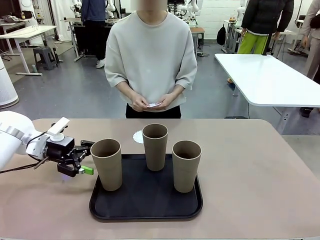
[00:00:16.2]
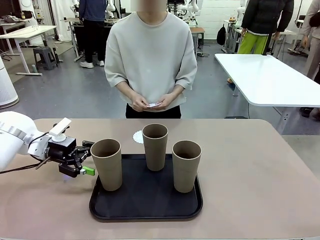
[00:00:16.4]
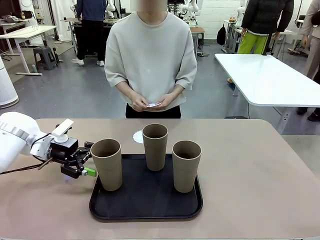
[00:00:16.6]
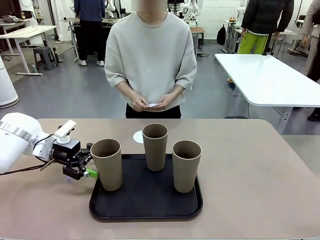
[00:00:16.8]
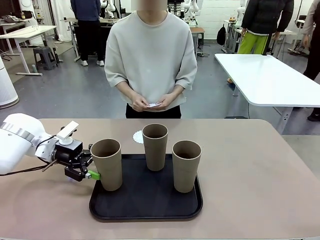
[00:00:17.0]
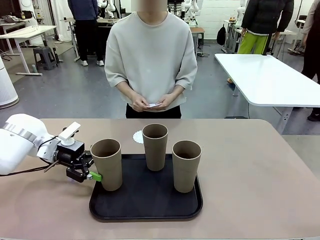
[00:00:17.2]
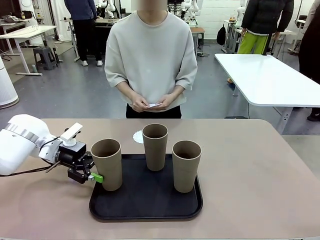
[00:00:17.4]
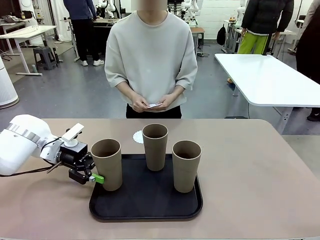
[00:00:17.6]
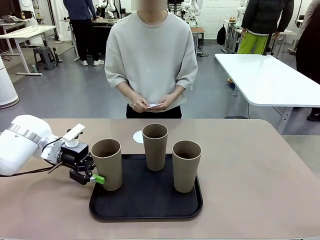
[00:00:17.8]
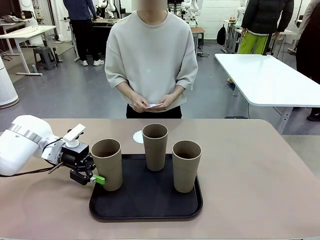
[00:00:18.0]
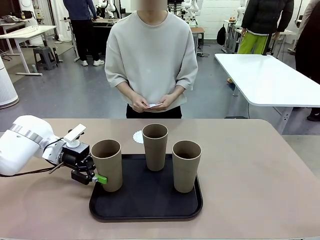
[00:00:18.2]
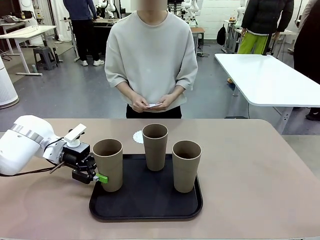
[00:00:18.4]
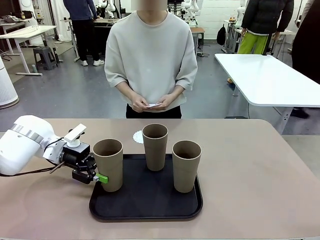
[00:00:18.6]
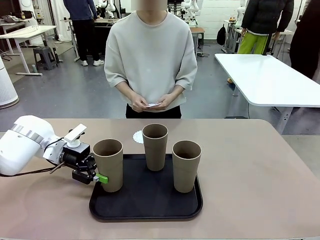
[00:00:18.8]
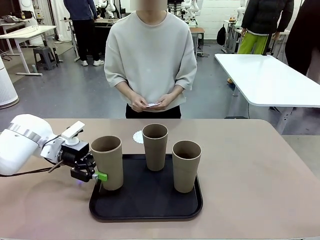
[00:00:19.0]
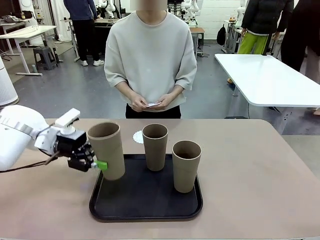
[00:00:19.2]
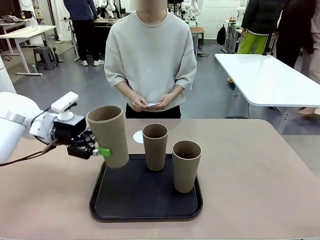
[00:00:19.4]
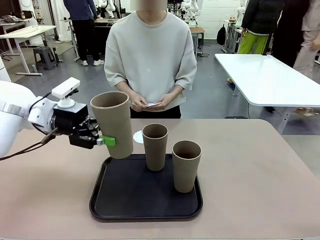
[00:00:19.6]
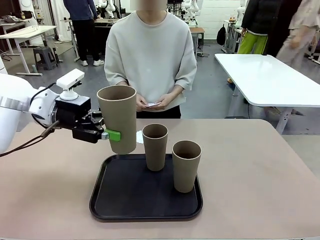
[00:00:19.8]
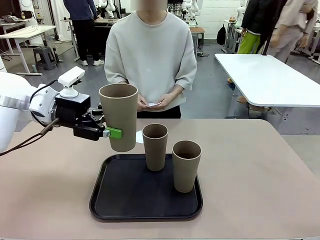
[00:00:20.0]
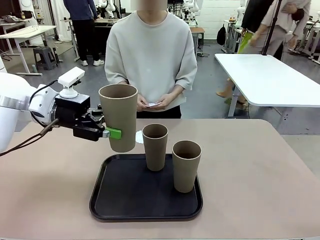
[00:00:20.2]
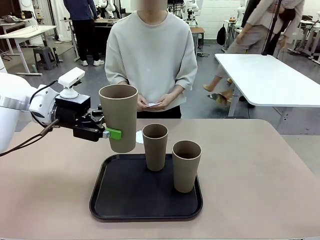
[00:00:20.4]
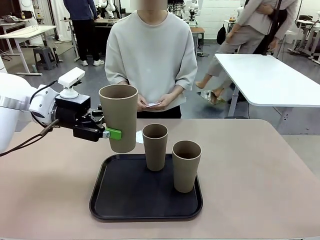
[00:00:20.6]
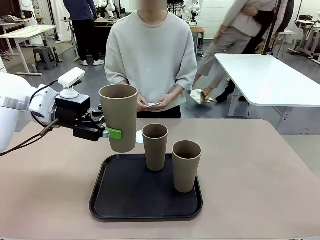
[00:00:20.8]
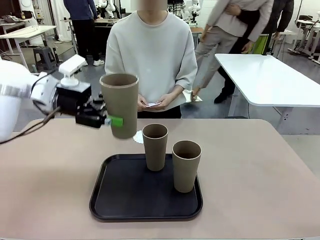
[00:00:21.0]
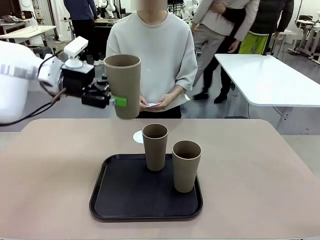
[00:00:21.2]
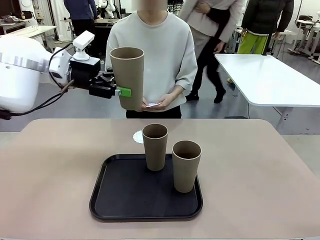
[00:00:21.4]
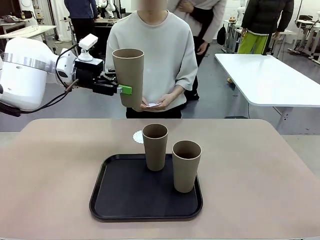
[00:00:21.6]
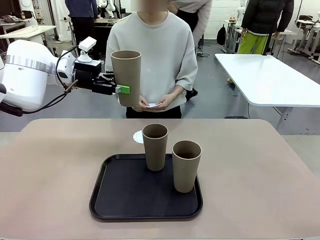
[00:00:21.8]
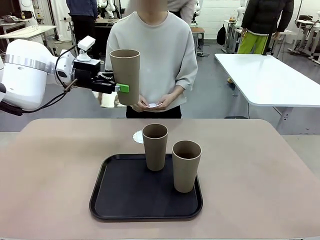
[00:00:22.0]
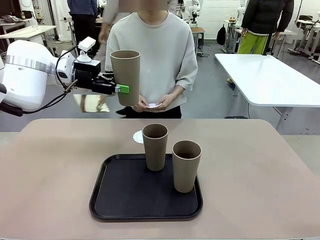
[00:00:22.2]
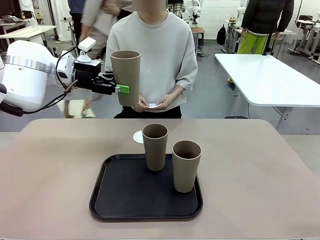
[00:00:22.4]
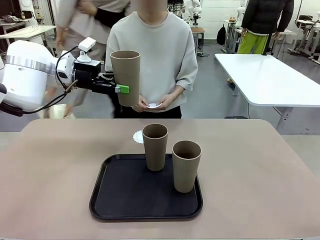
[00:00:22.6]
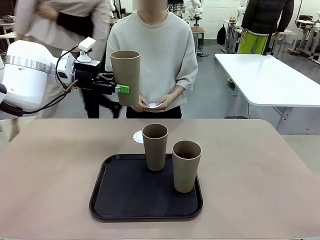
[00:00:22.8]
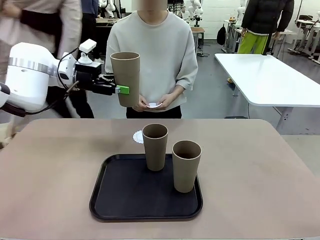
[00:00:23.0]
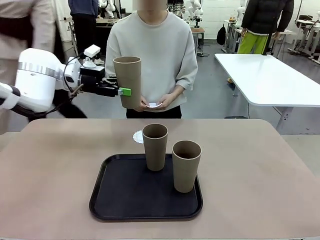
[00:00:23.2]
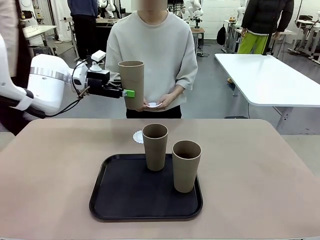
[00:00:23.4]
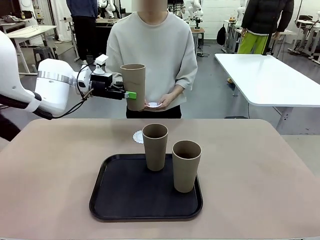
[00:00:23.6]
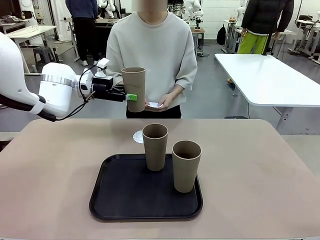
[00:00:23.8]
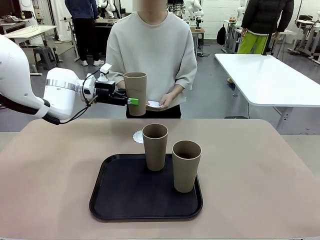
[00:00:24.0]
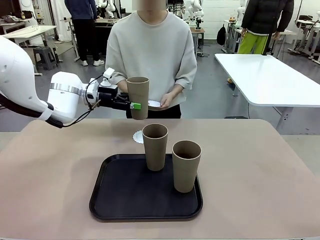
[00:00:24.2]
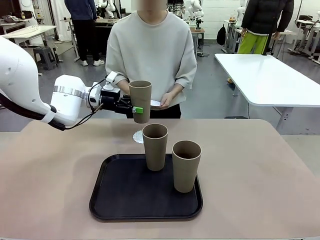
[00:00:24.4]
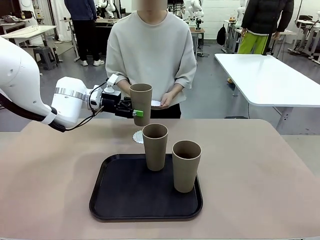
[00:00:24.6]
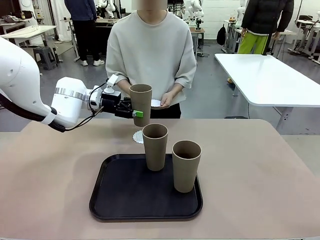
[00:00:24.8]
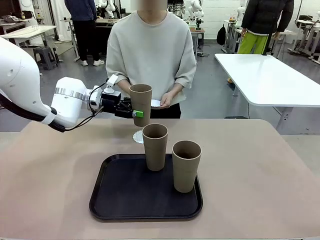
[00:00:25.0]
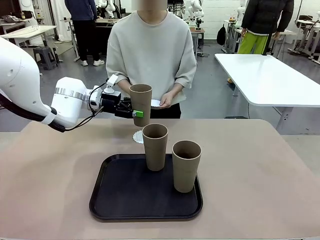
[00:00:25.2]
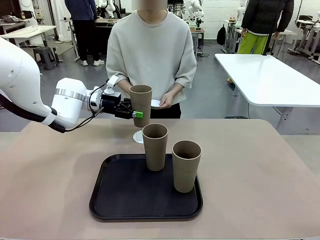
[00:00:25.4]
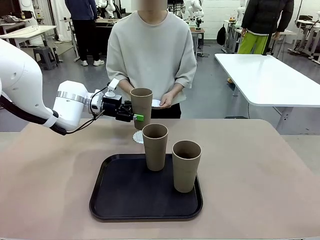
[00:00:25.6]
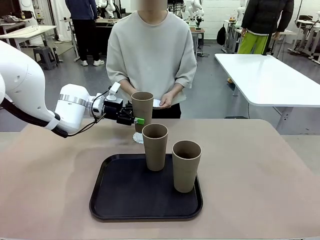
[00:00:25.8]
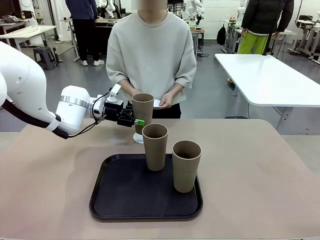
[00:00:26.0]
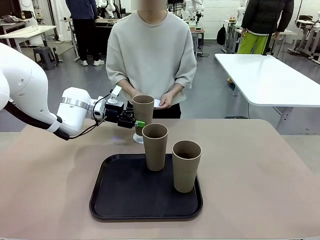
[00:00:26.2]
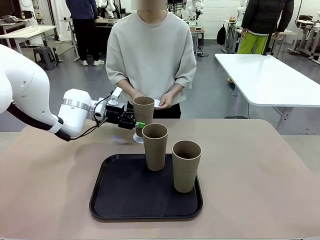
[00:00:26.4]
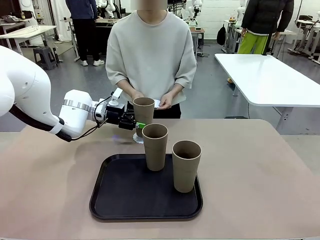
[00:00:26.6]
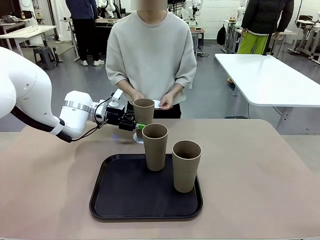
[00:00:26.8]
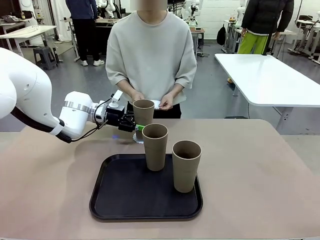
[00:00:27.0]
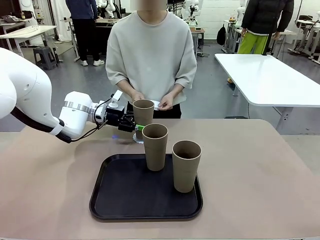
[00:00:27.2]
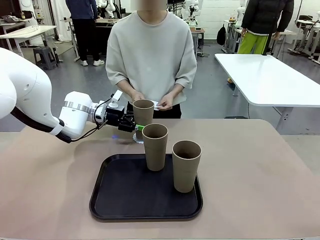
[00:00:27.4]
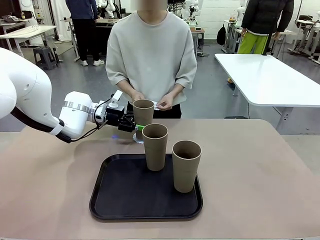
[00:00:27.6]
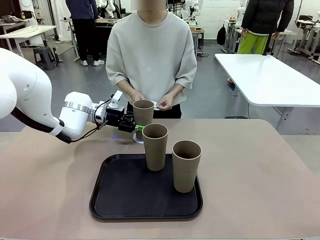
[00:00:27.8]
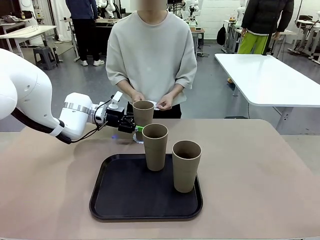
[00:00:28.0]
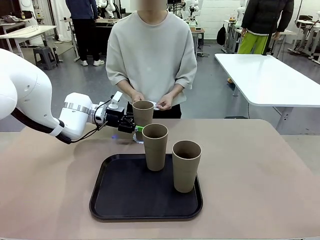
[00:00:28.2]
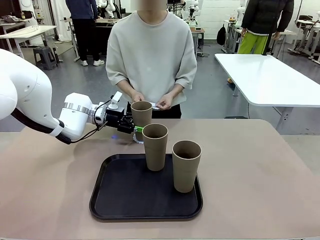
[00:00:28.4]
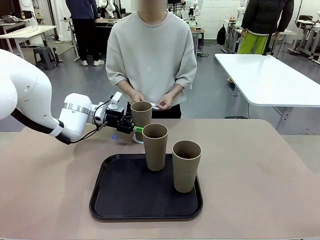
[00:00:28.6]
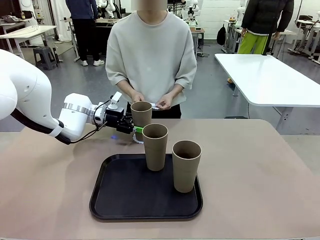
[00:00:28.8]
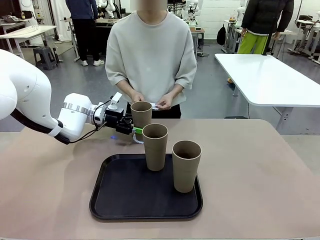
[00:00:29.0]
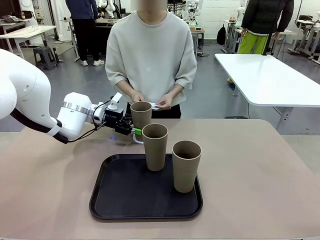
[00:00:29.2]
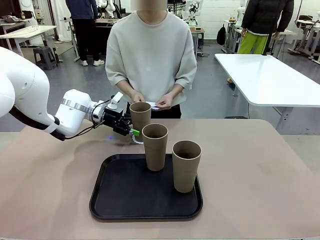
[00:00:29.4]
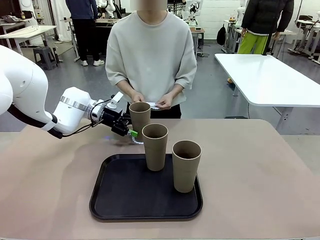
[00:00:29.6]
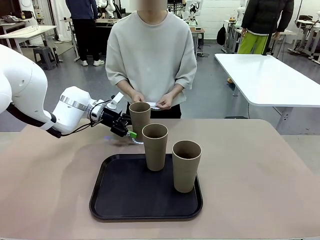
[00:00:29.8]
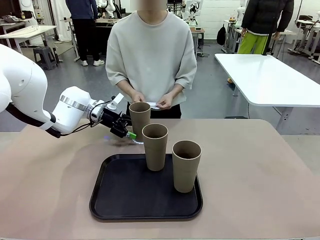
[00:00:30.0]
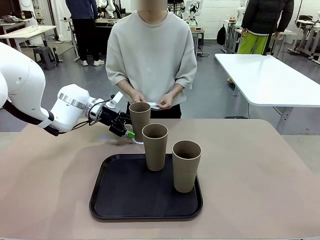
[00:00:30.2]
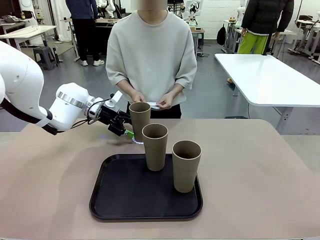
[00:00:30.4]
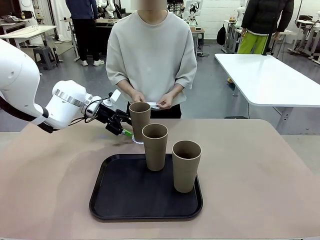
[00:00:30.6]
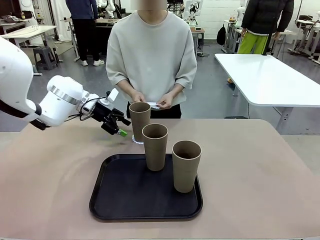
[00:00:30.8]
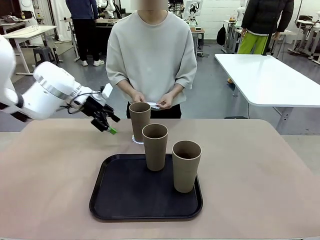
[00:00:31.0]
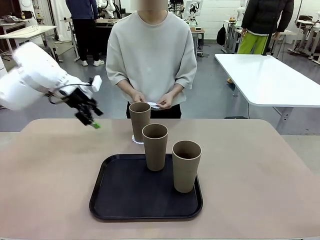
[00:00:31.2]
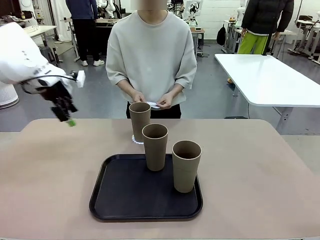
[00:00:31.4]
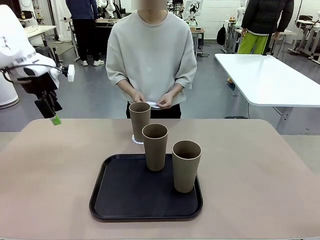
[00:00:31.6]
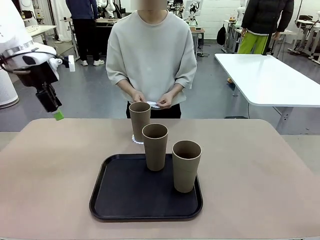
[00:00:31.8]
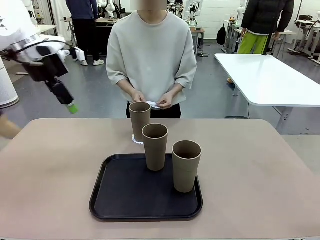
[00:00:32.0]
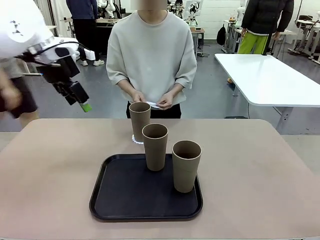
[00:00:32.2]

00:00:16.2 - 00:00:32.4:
Task: Place coasters on the table and set cups on them.
Robot: Pick up one Reusable plastic cup and place it on a coaster set by the human.
Person: Place one coaster in one of the two areas excluding the previously selected area.
